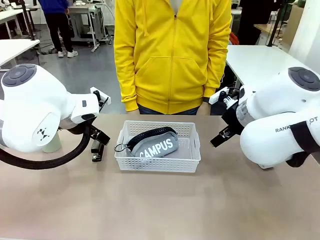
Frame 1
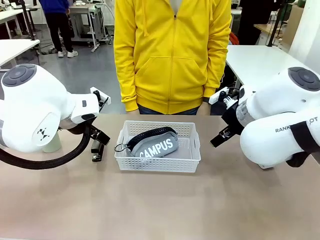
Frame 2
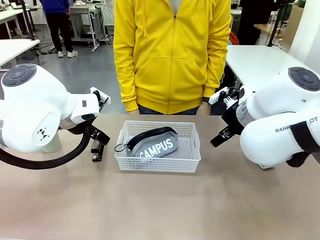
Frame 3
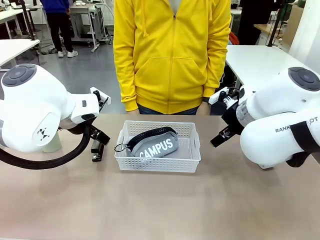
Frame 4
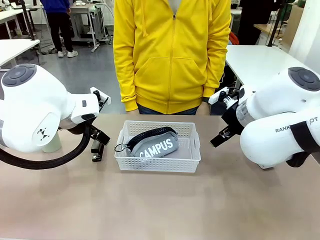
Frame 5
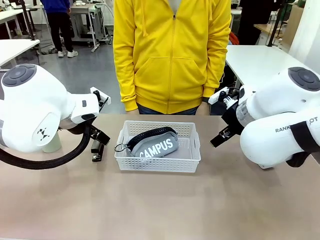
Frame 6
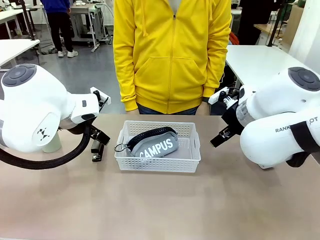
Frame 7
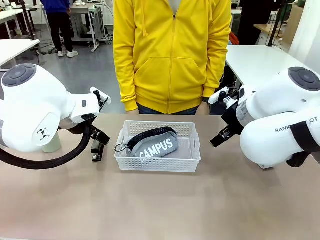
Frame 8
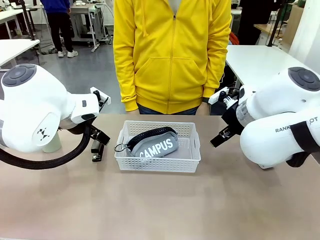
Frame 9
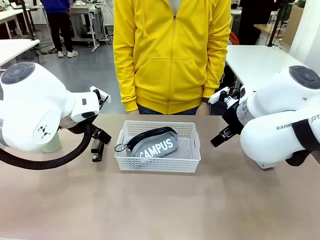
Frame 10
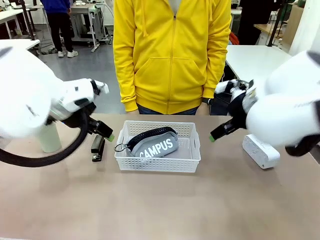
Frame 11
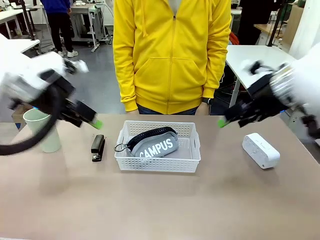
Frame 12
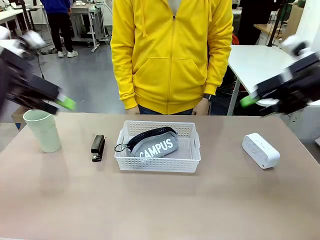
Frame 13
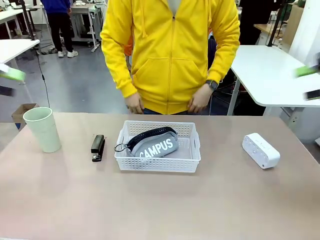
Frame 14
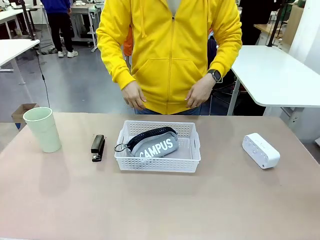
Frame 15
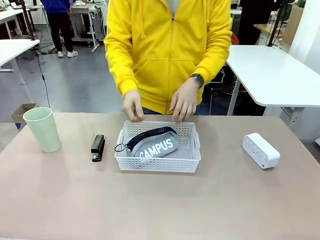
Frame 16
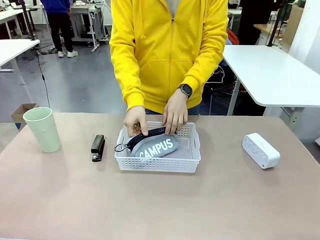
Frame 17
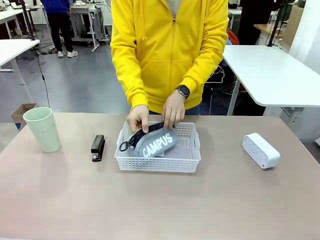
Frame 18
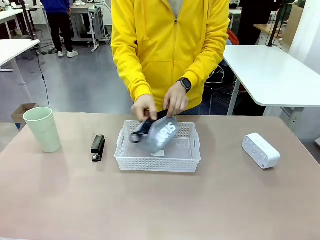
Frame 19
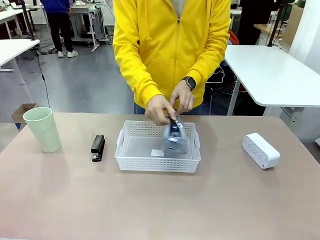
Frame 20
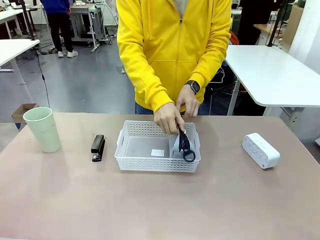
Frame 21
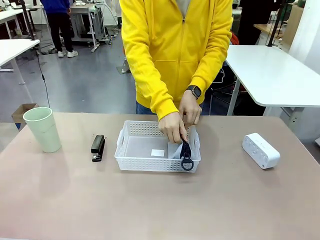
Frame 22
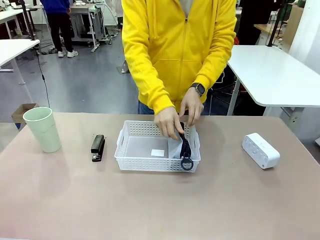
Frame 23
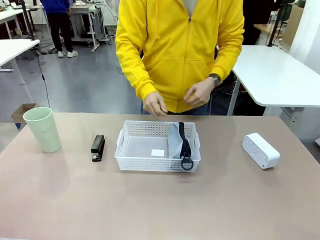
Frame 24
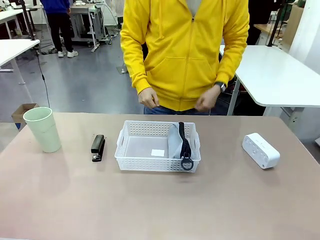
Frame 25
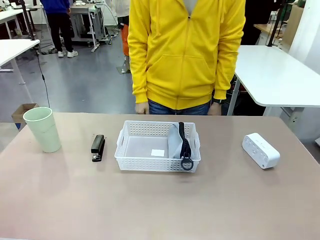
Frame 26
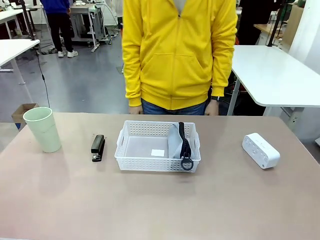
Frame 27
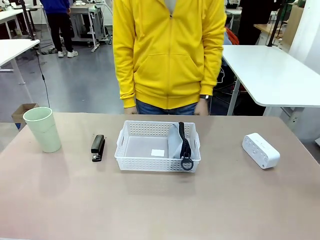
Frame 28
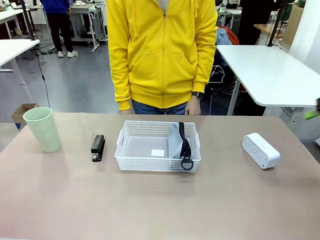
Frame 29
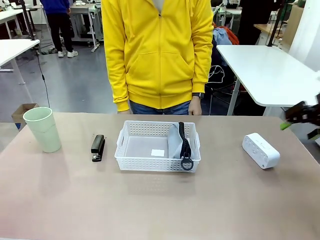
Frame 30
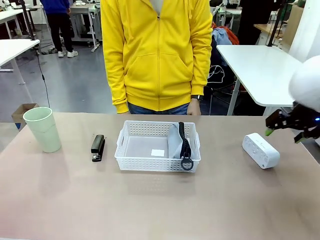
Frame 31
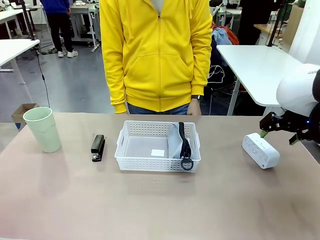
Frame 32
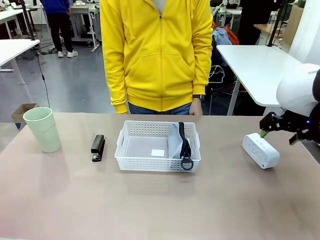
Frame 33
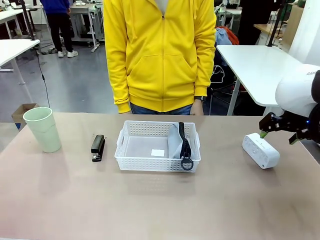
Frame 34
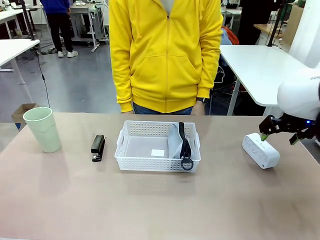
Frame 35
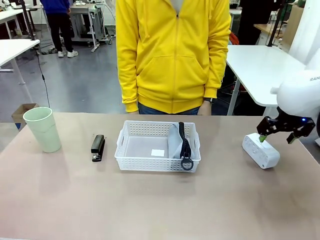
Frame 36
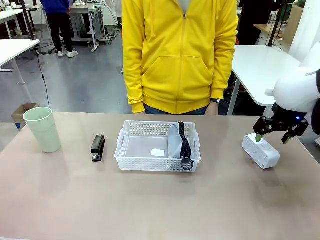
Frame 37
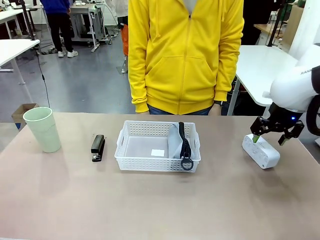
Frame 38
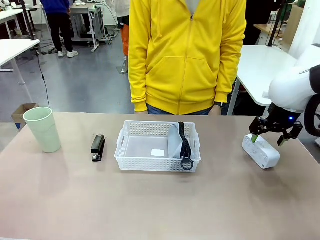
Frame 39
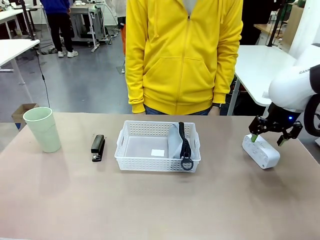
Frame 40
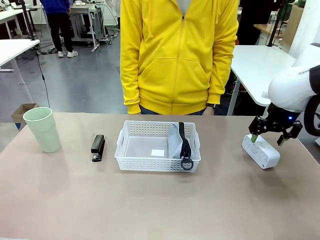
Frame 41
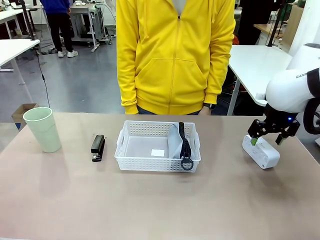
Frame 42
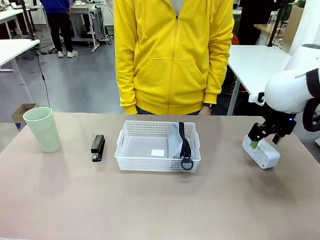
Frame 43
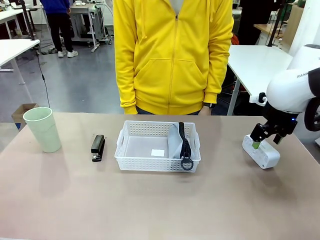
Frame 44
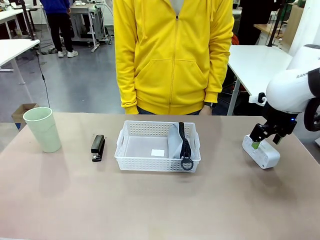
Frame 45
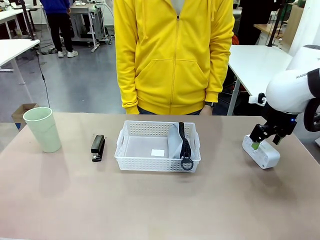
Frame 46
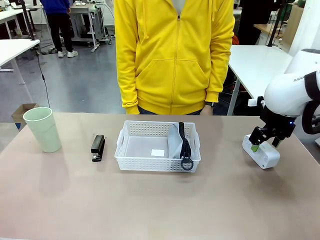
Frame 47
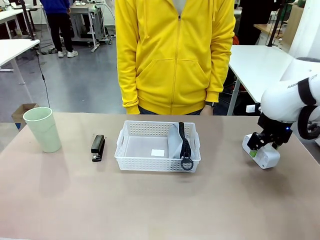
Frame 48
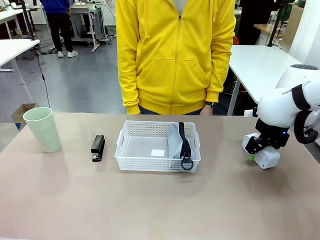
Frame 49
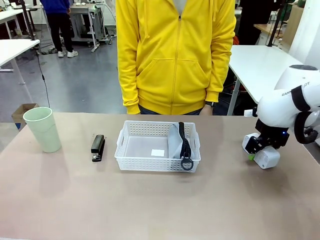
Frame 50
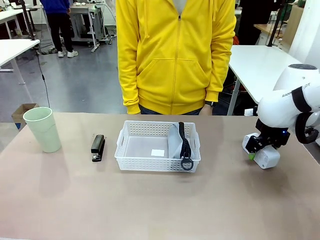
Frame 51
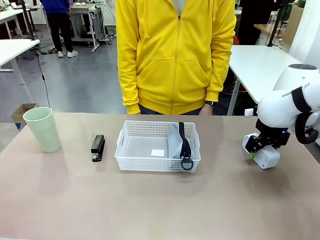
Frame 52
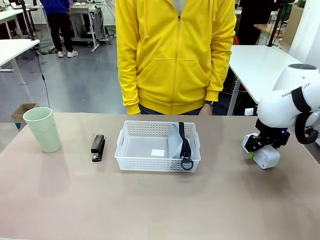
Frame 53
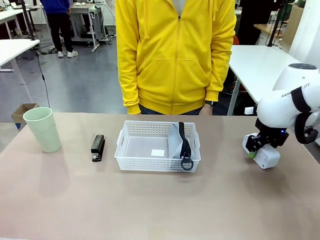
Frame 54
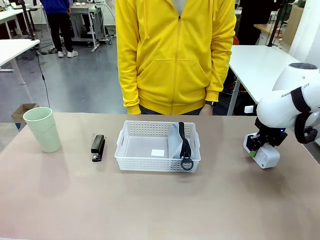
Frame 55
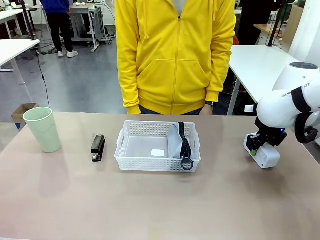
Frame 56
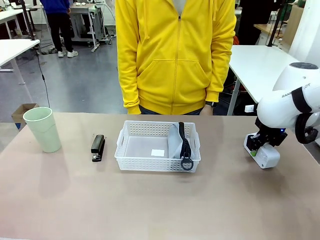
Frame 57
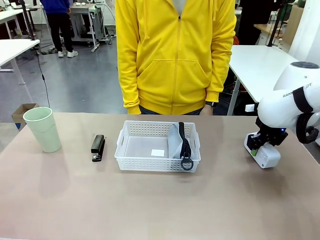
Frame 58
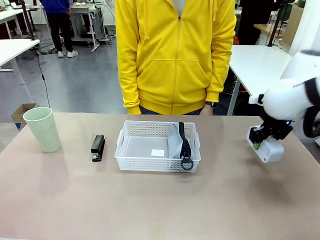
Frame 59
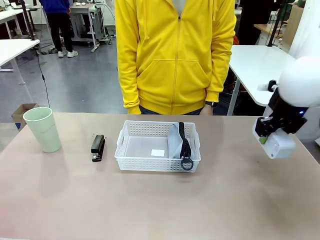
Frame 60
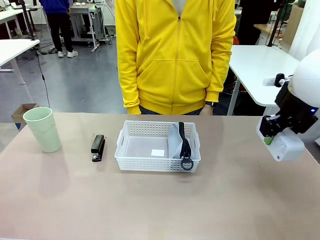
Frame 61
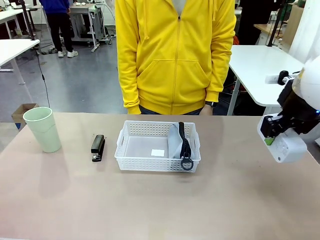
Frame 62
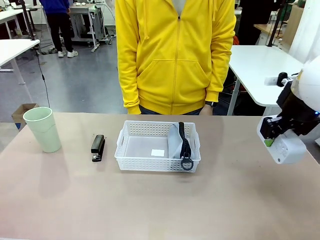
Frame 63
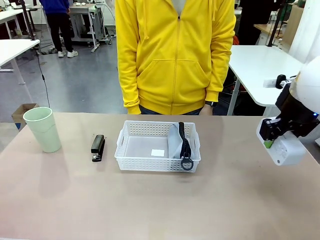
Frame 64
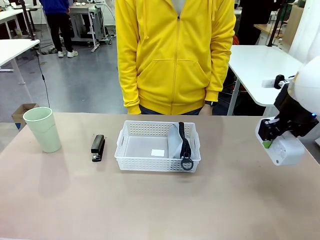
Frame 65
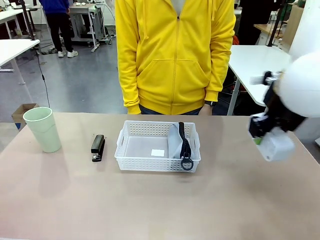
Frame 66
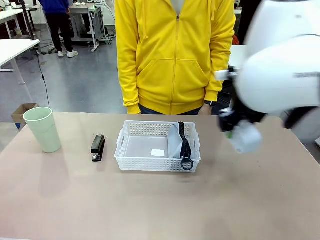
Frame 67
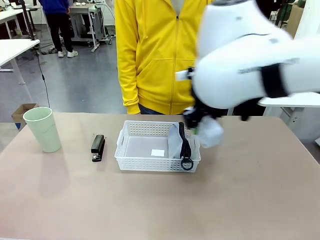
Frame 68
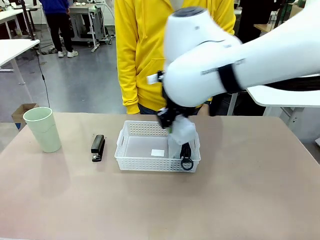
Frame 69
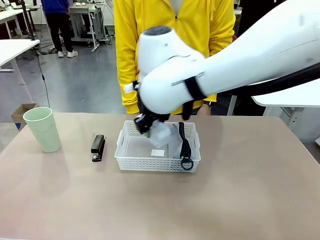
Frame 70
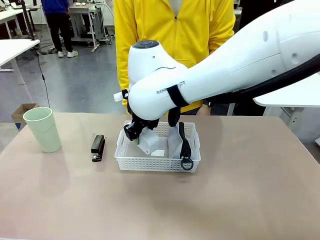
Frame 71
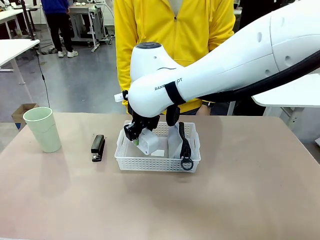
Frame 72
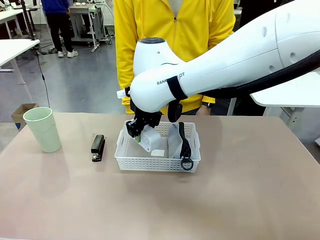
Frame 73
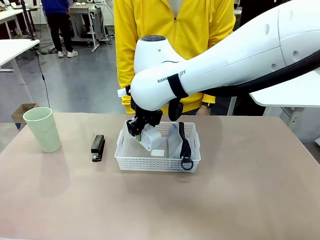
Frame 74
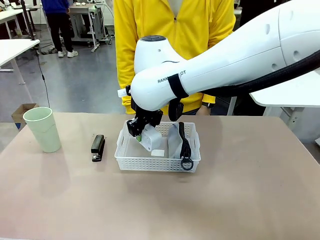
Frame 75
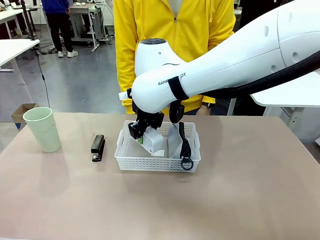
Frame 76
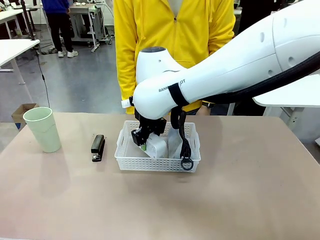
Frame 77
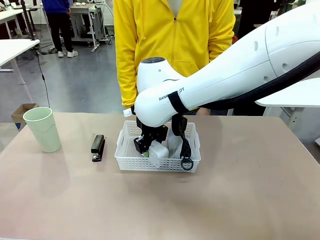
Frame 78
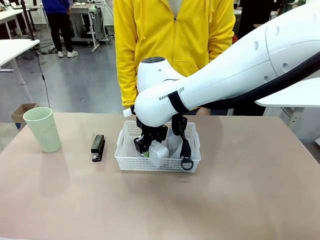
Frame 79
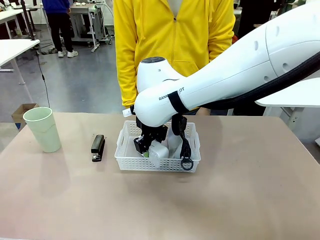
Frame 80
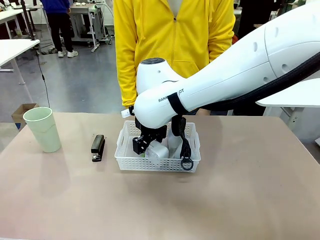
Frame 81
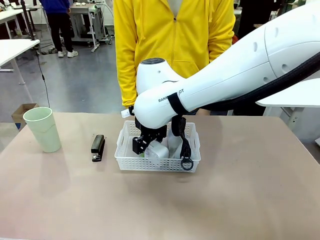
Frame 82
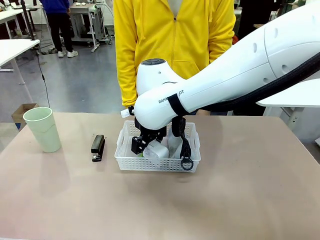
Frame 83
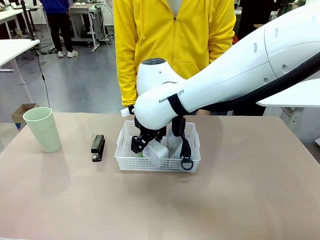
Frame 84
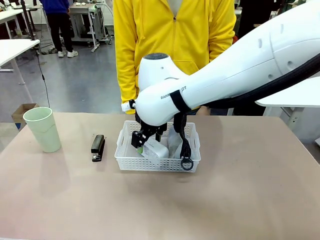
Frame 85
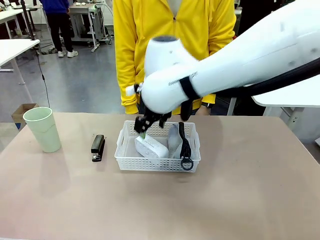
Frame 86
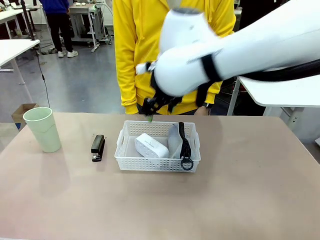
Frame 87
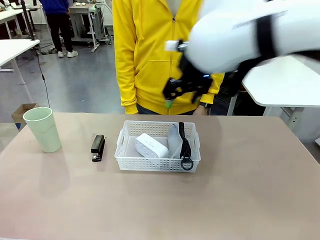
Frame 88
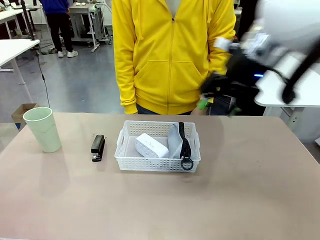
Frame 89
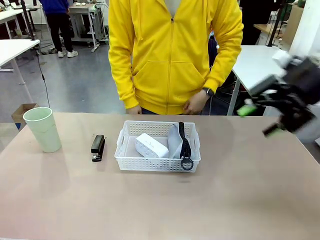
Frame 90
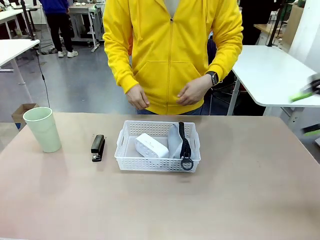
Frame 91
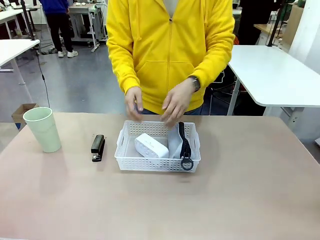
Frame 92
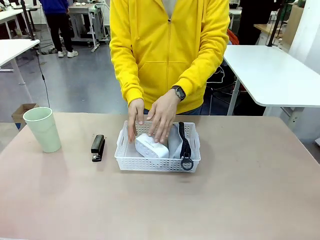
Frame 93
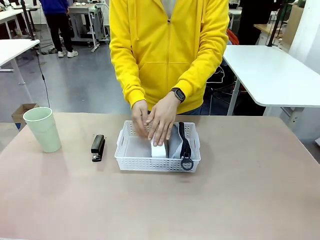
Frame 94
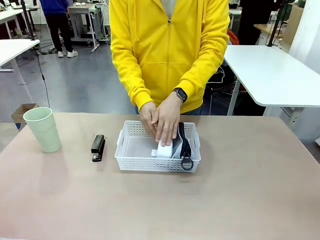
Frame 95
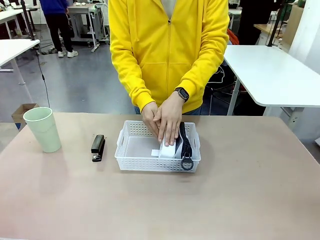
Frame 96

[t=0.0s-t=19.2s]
Task: Efficiently arrange items inside the basket to fit them all.
Robot: Pick up the Digital clock and place it inside the Organizing basket.
Person: Repositions the pencil case. Repositions the digital clock.
